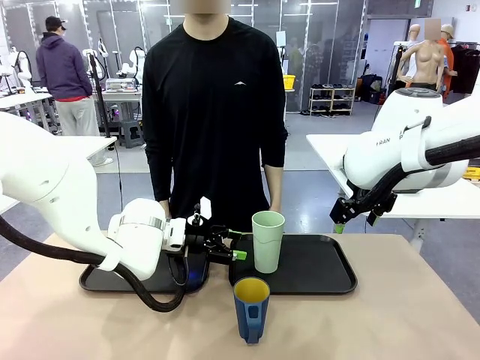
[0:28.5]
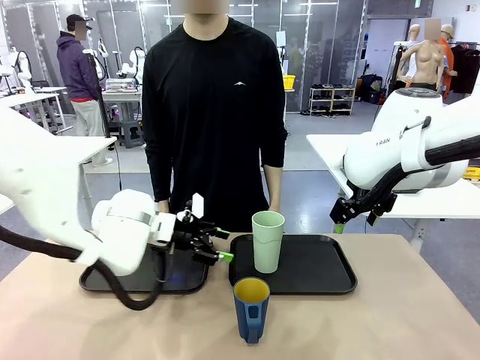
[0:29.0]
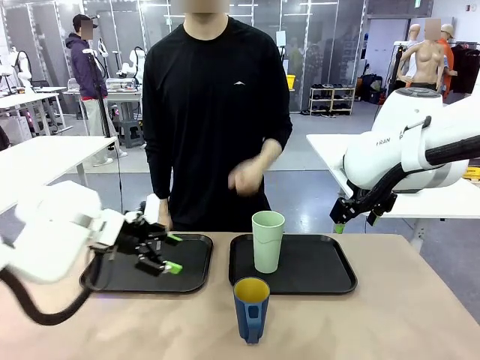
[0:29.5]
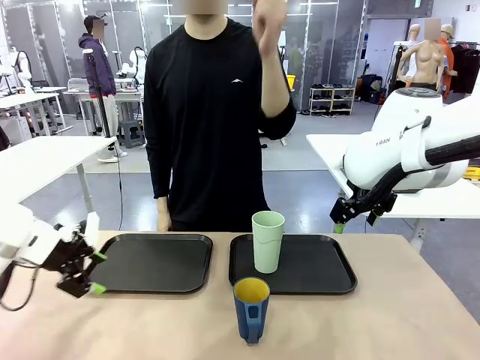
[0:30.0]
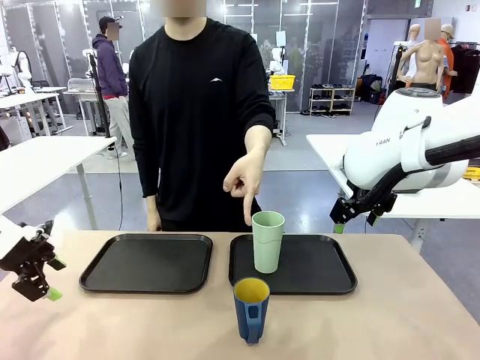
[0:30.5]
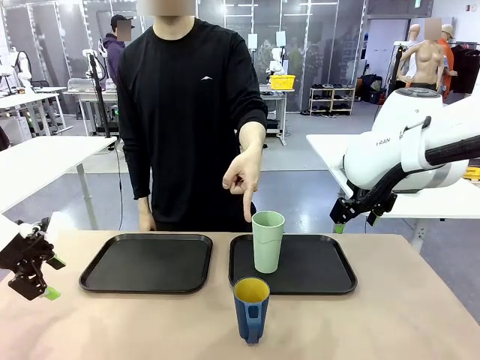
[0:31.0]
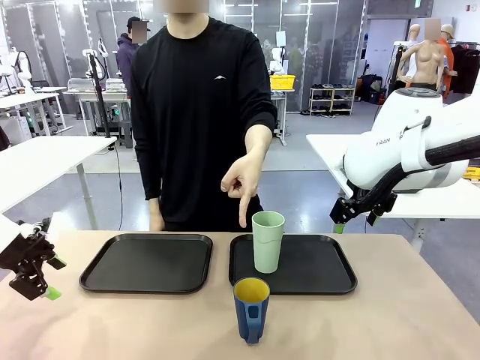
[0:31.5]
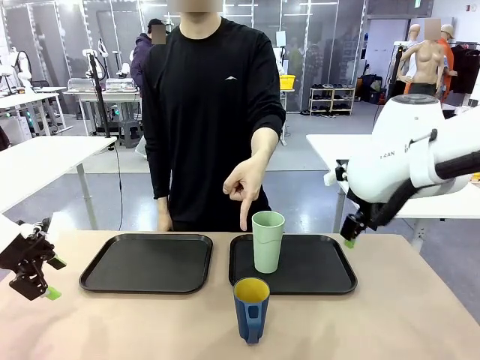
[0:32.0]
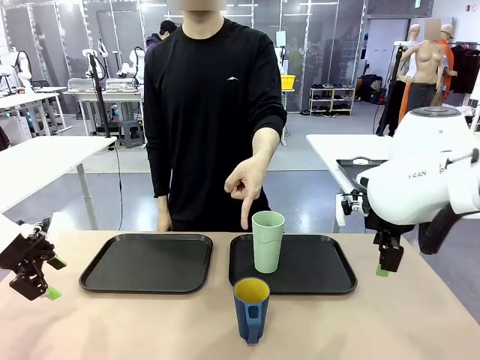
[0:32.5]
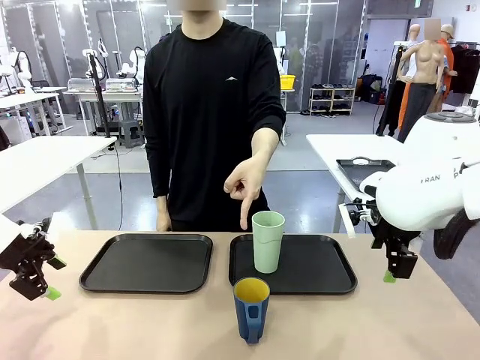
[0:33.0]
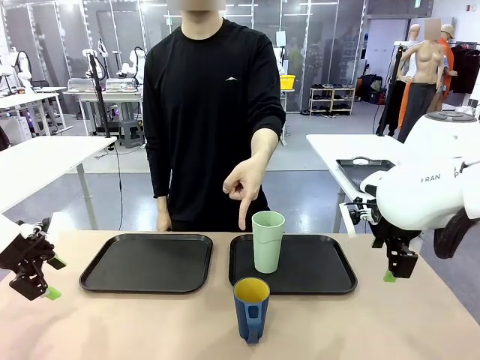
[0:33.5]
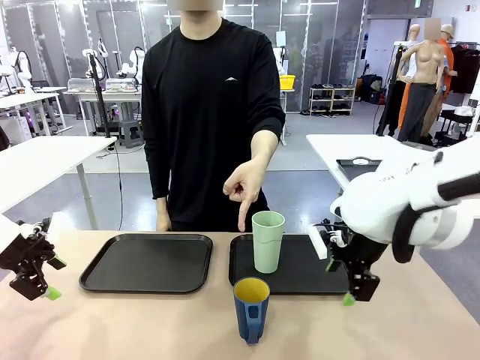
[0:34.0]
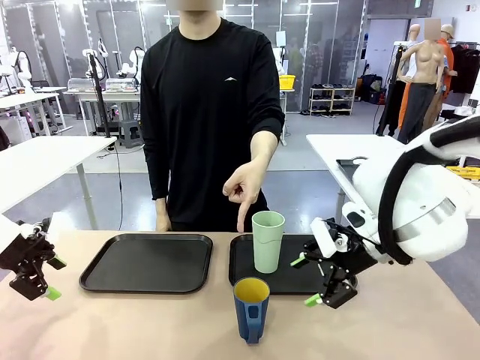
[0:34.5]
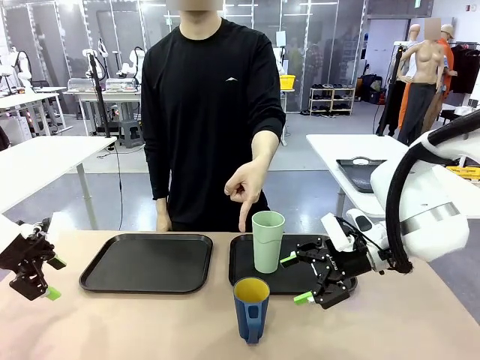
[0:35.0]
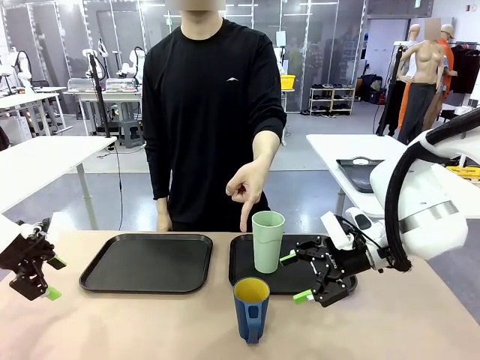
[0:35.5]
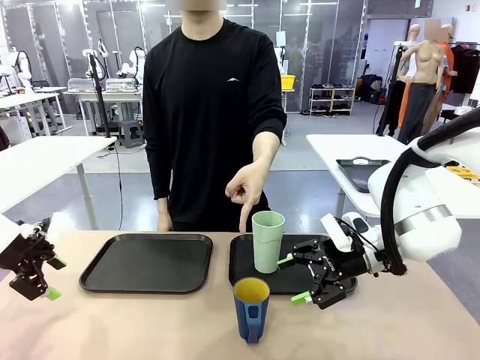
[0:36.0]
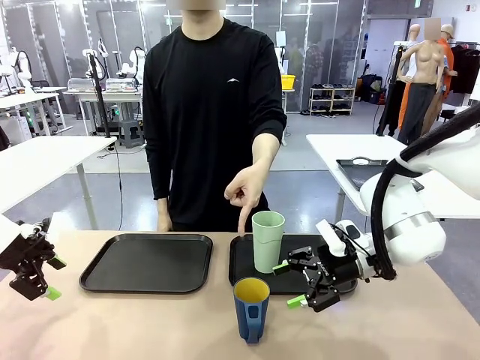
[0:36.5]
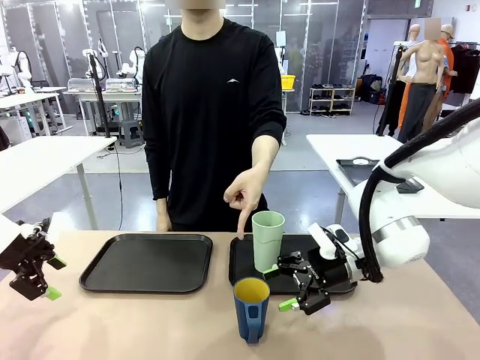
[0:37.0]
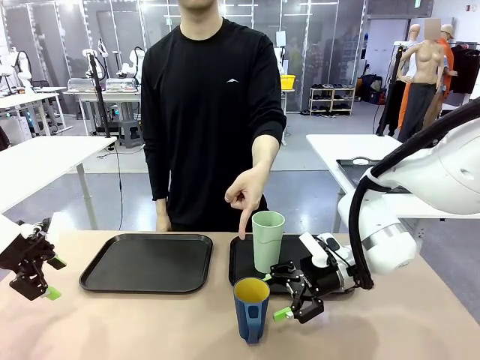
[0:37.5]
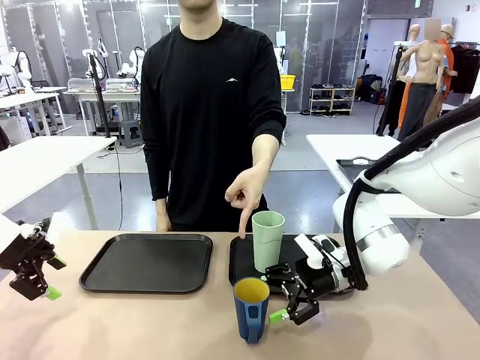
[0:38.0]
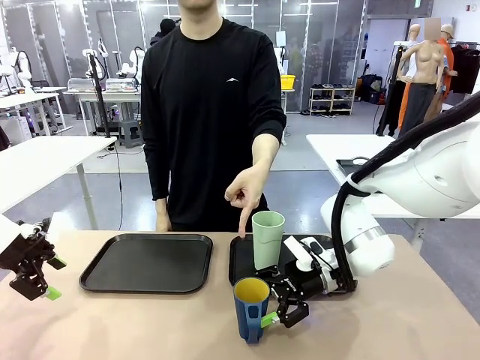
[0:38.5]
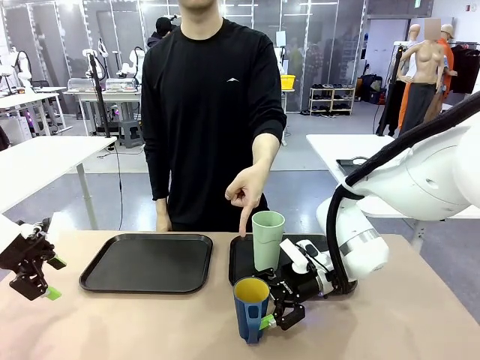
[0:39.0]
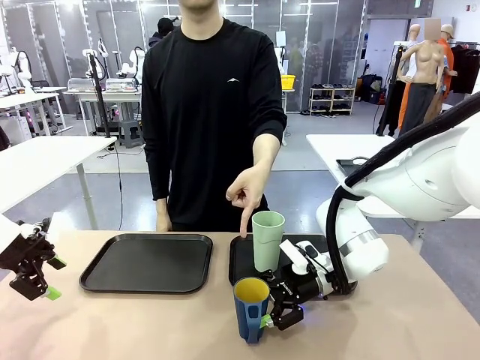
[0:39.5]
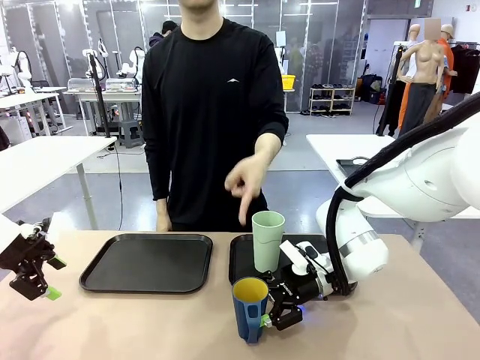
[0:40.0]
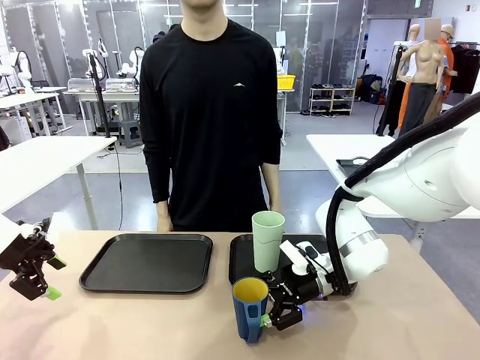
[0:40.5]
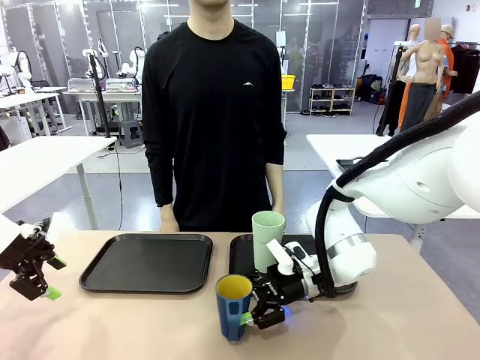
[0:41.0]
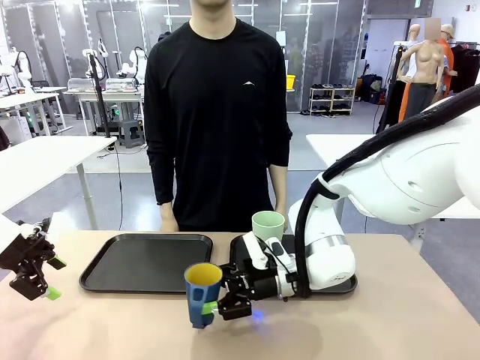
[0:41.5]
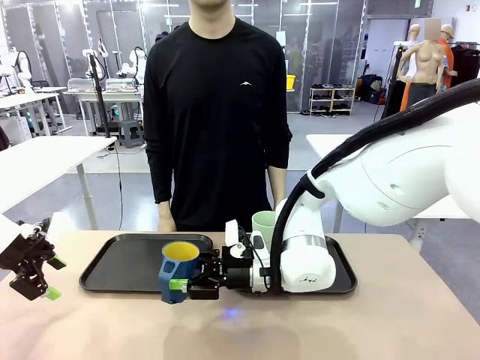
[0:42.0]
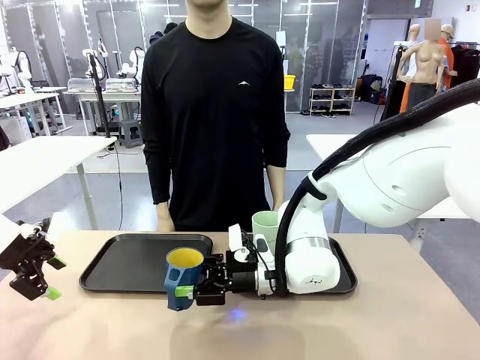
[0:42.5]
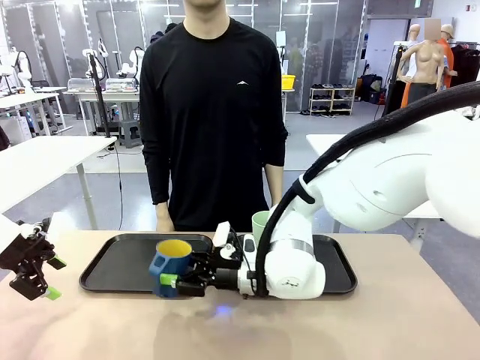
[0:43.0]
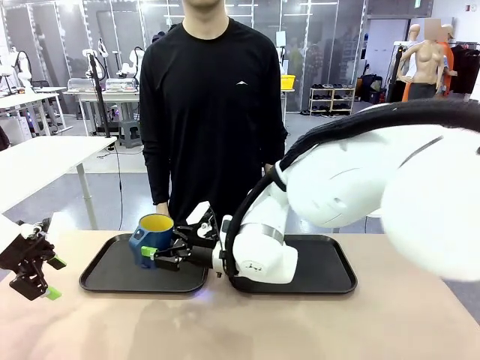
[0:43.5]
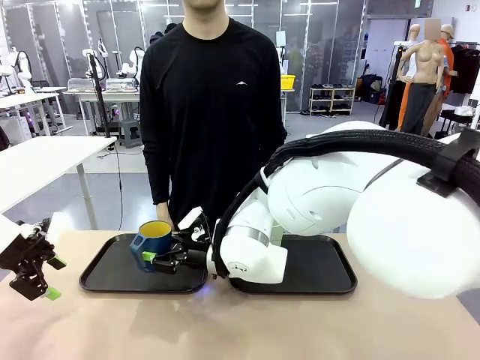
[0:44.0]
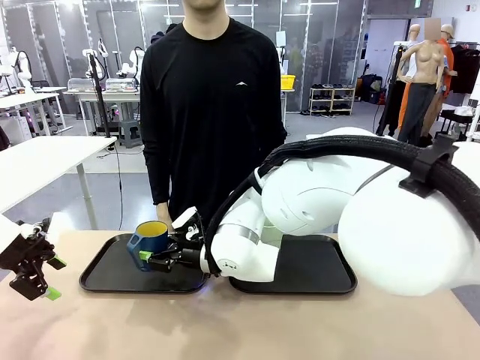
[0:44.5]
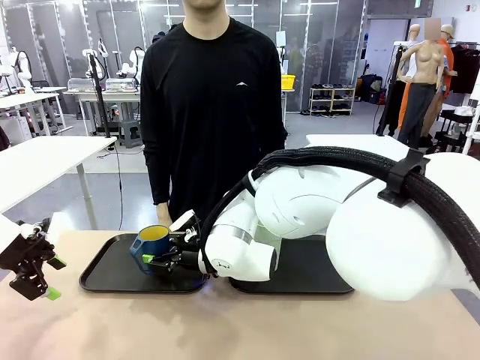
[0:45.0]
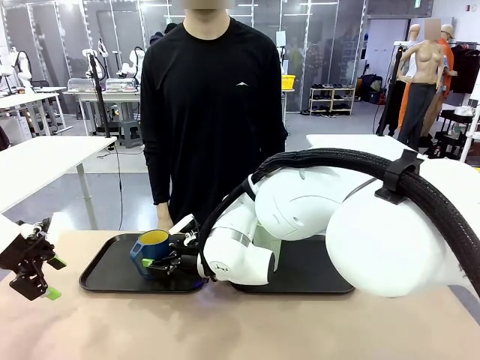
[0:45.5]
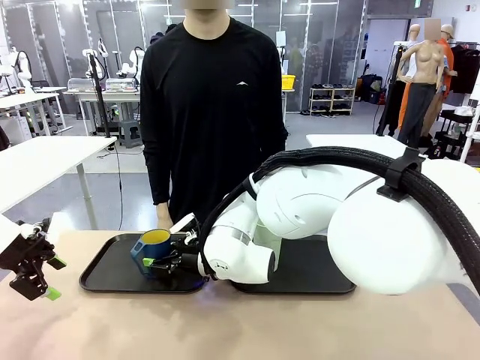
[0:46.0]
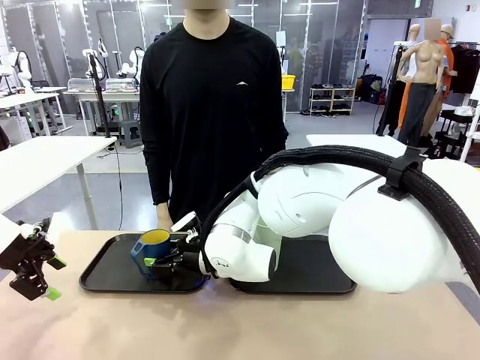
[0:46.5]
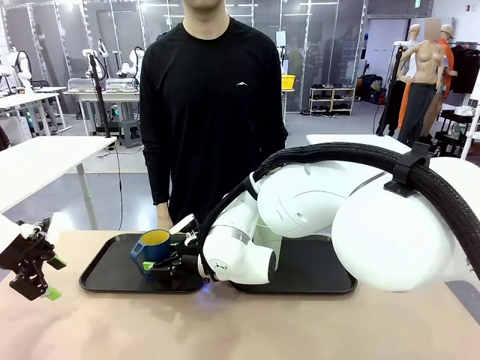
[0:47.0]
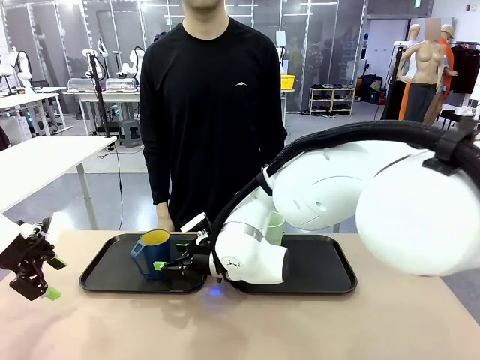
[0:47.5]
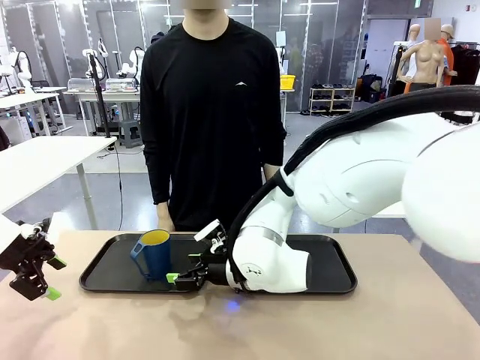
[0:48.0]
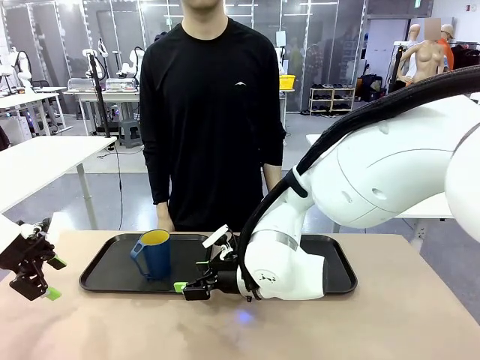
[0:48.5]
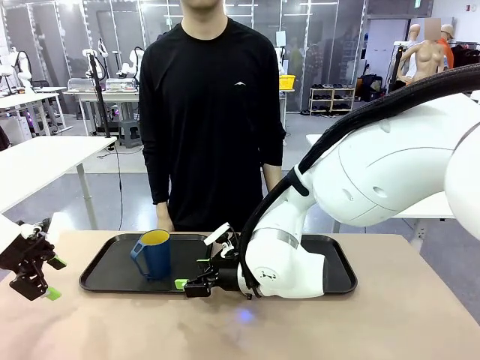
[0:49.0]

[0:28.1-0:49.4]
Task: Sort and store the cups by type.
Robot: Pick up the Handle plastic cup and place it into the empty Flat Tray.
Person: Points to the cup with a handle.
